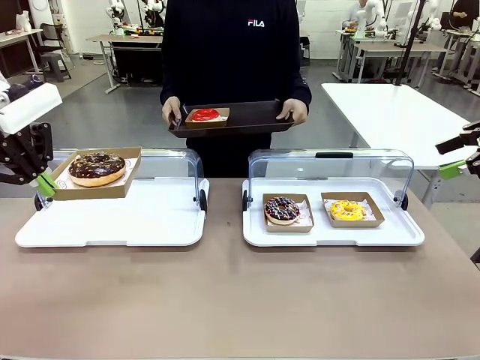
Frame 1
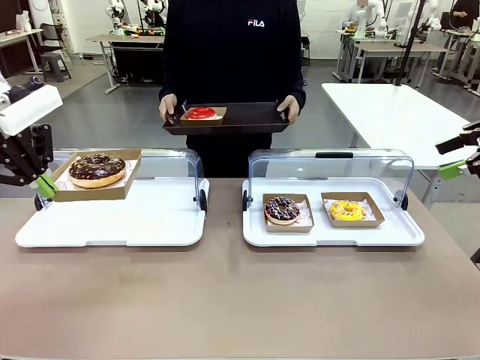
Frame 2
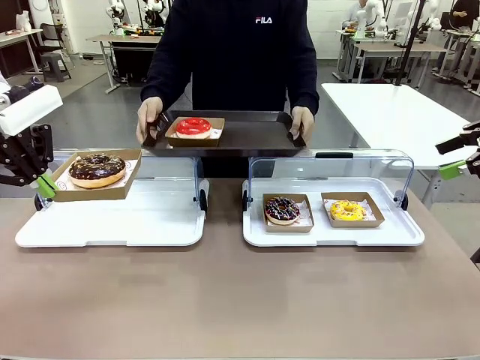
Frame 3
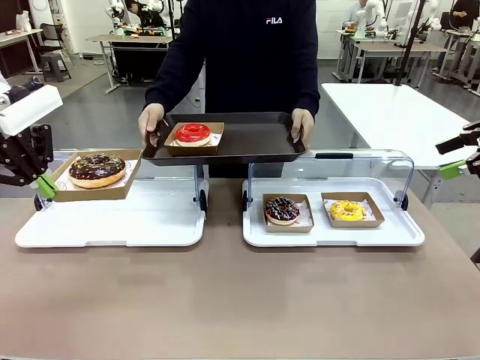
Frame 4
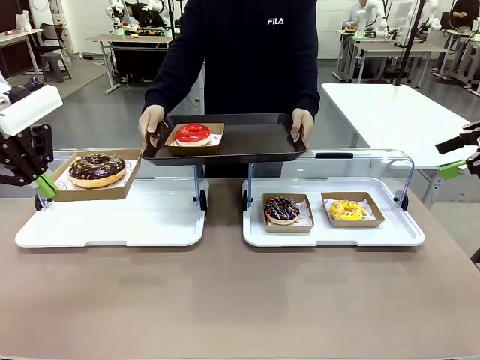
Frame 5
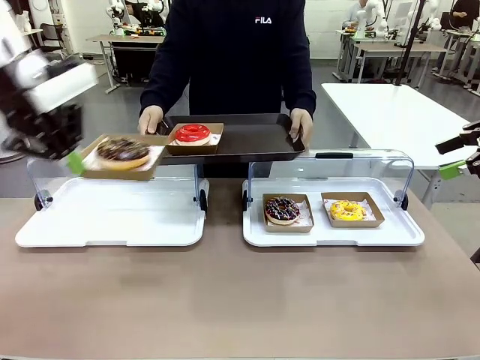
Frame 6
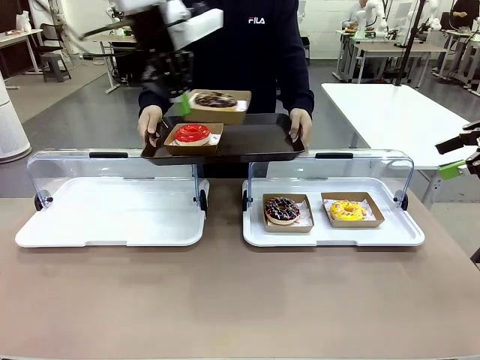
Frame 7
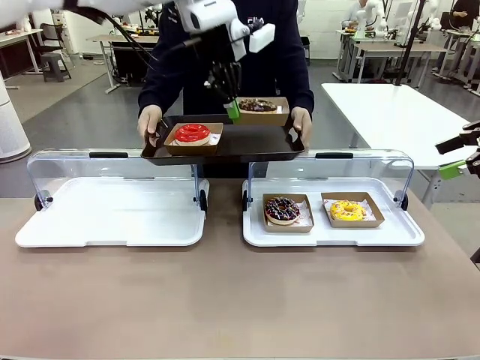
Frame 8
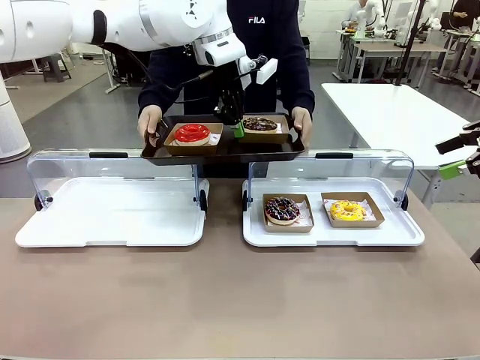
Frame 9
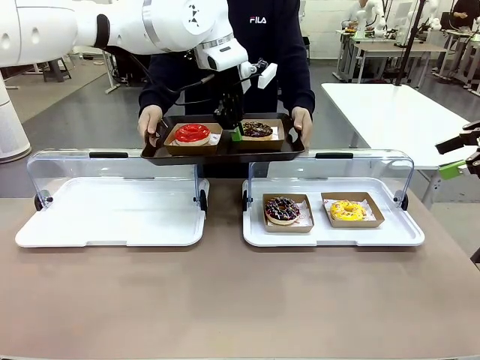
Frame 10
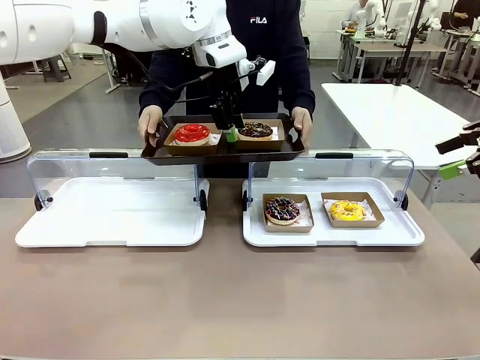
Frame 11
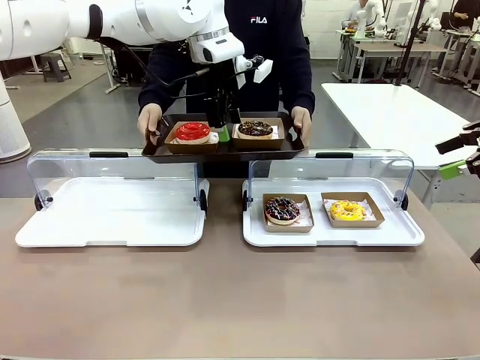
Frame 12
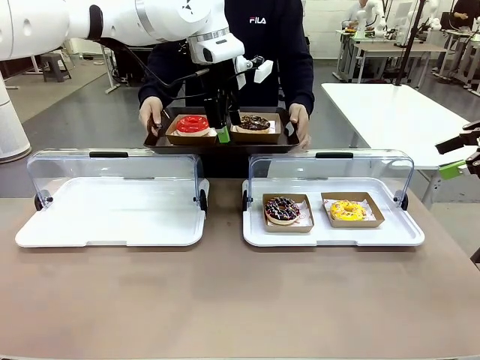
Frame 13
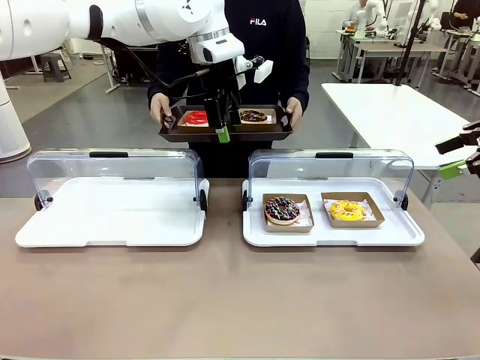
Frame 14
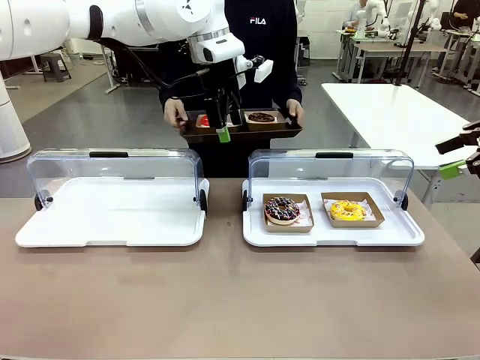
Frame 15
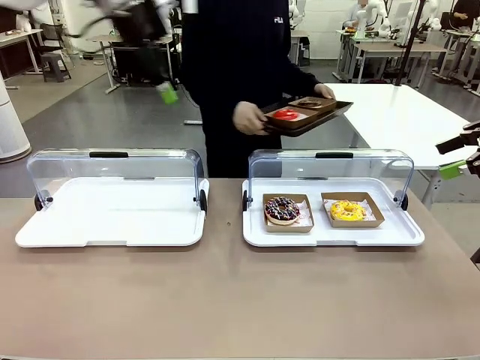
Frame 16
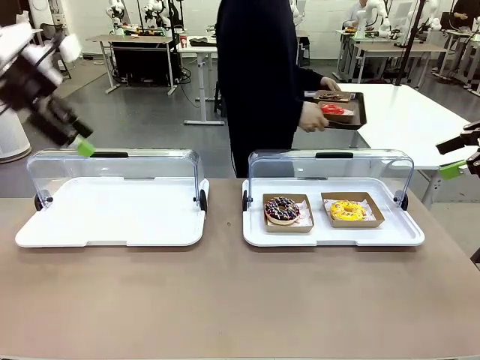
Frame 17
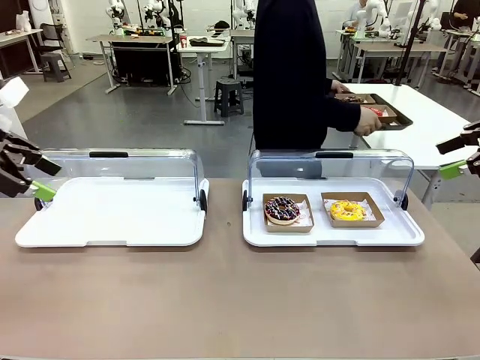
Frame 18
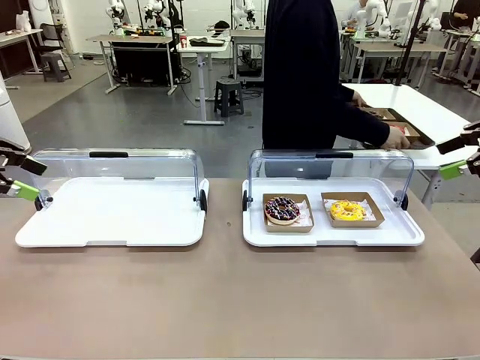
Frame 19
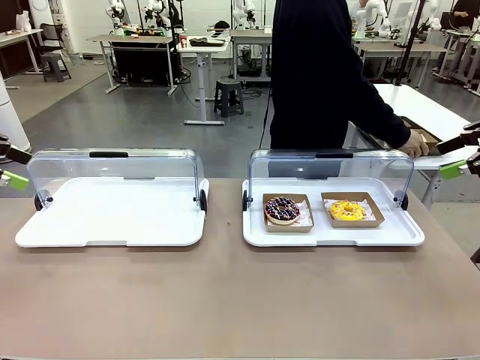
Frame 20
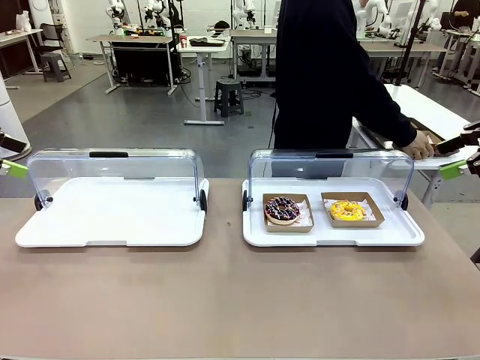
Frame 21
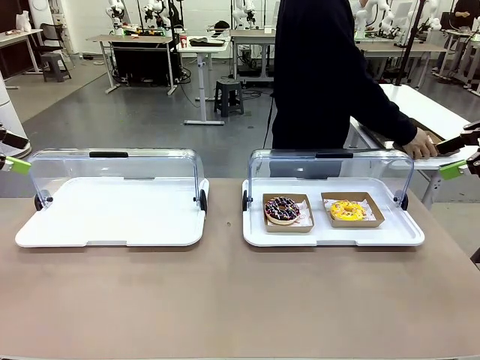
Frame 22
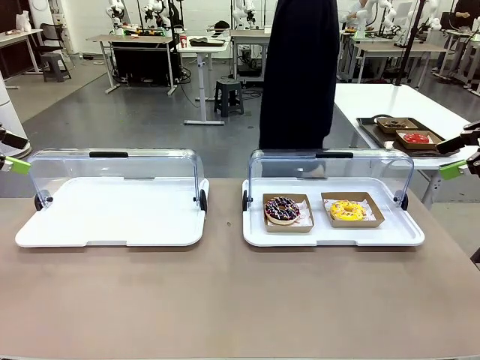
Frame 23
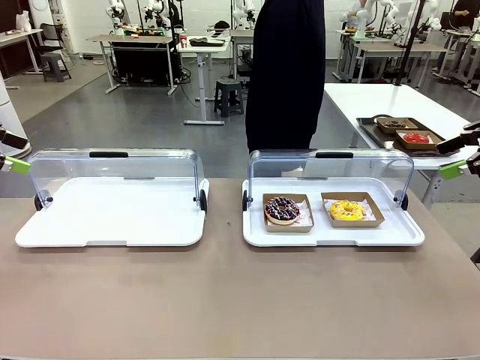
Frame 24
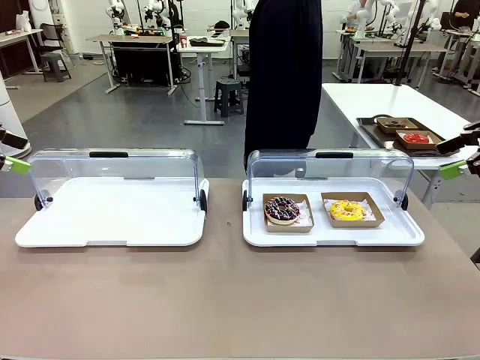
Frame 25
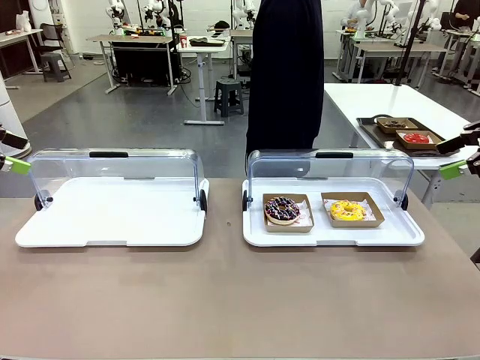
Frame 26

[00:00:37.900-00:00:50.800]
Task: Provide the desired donut to the person.
Robot: Place the picked Paper togo box onto the Handle tray extended by the person.
Person: Place the tray in the middle of the human table.

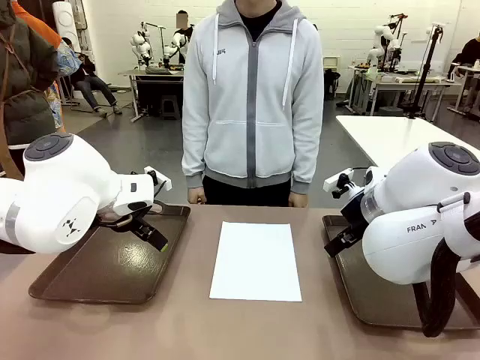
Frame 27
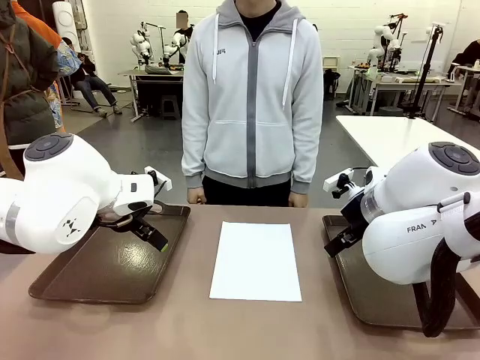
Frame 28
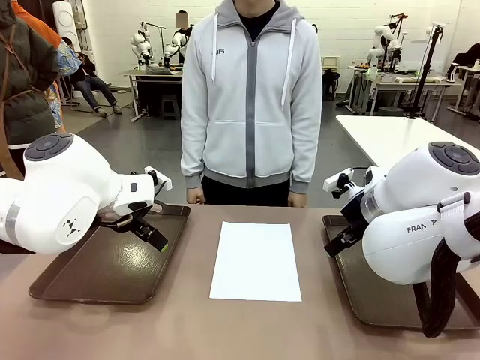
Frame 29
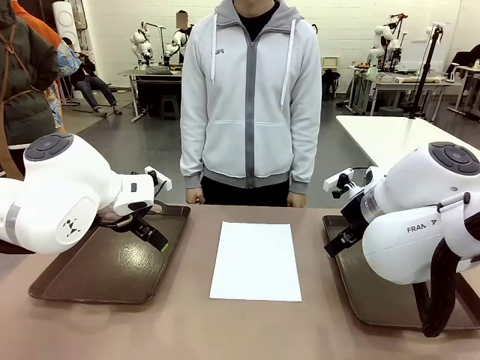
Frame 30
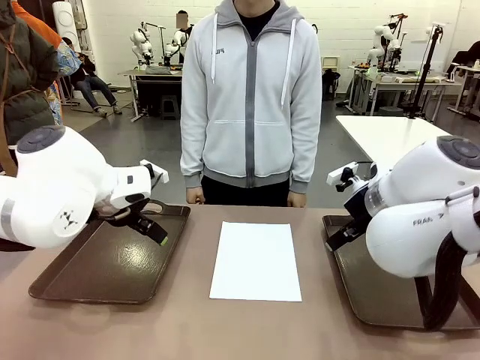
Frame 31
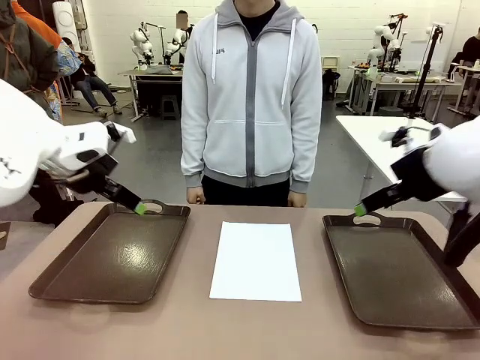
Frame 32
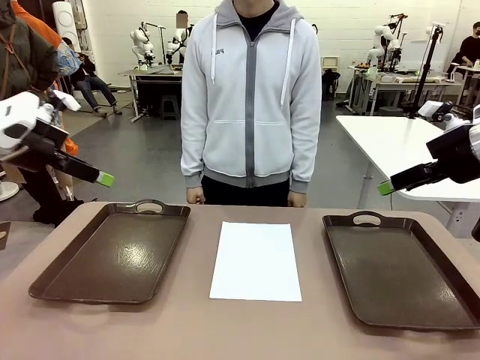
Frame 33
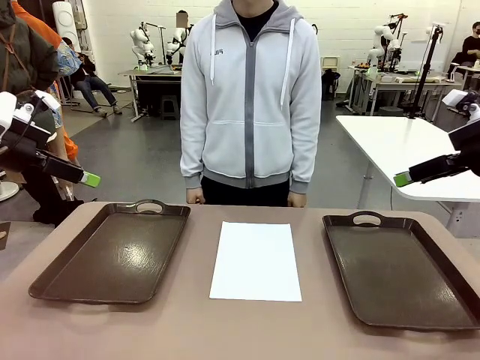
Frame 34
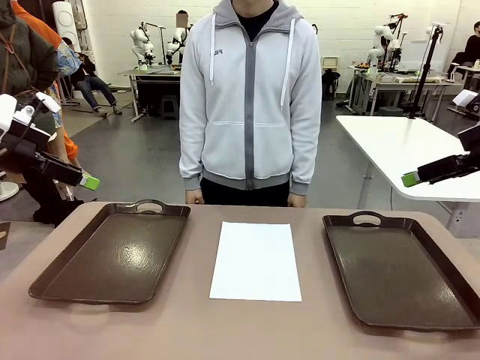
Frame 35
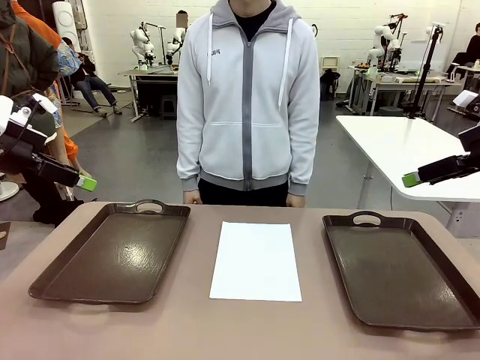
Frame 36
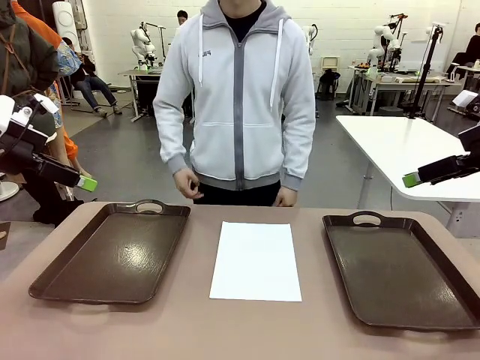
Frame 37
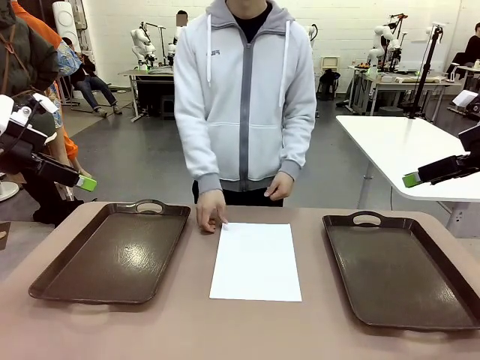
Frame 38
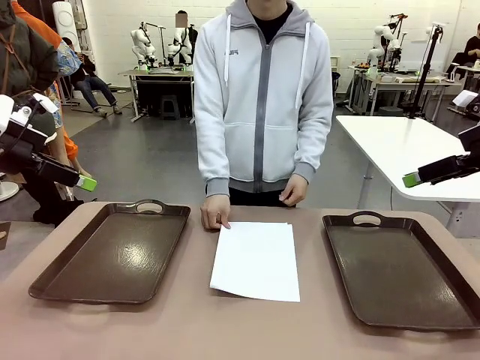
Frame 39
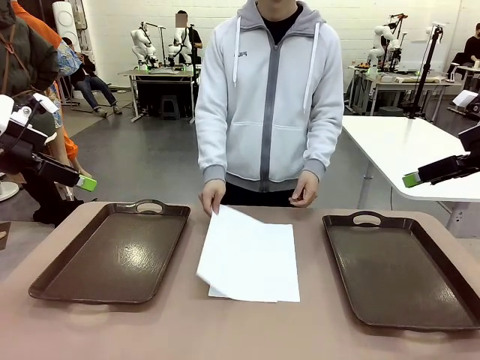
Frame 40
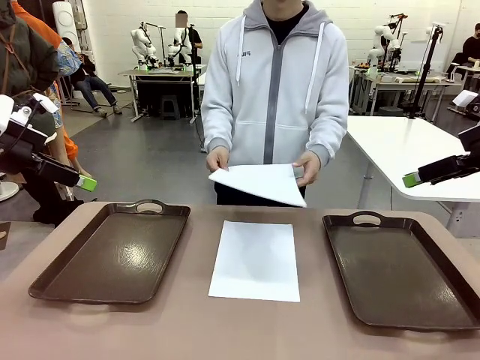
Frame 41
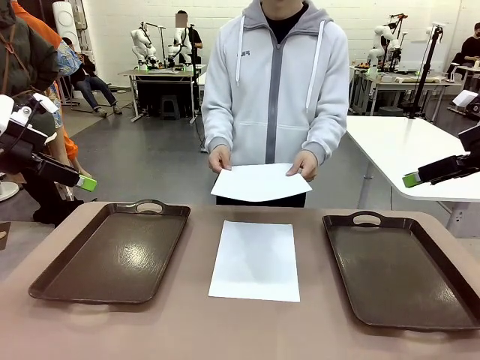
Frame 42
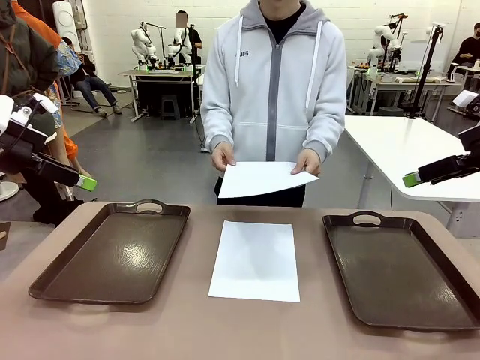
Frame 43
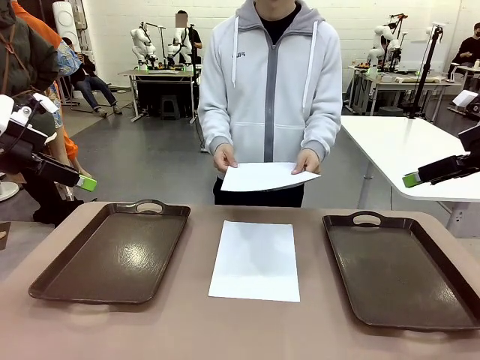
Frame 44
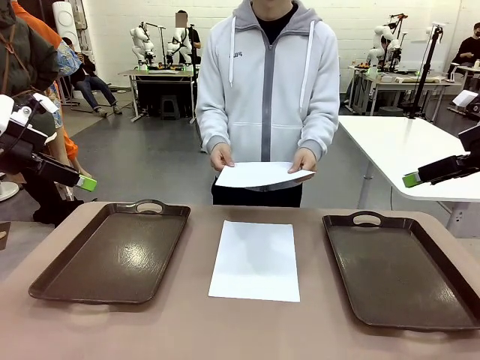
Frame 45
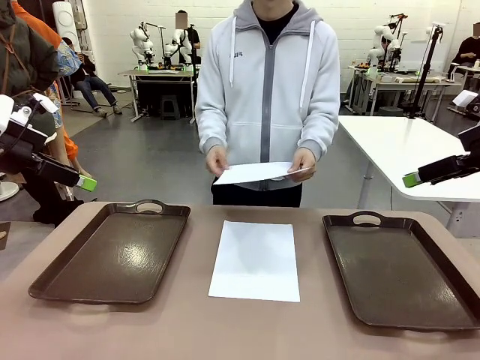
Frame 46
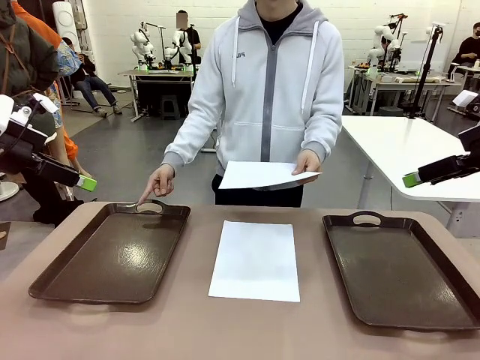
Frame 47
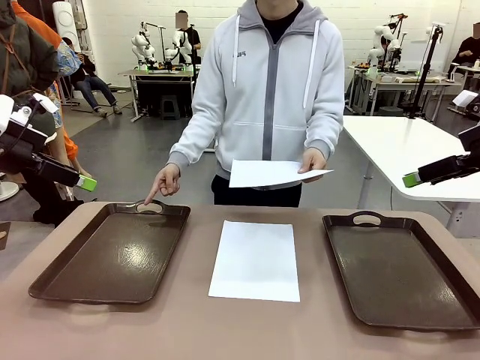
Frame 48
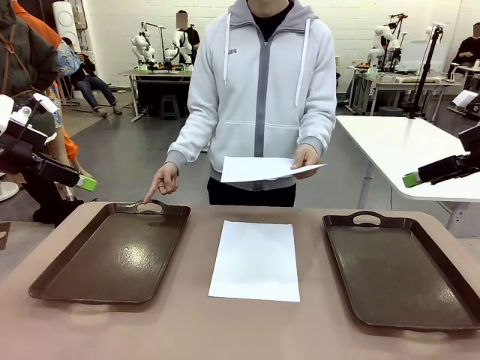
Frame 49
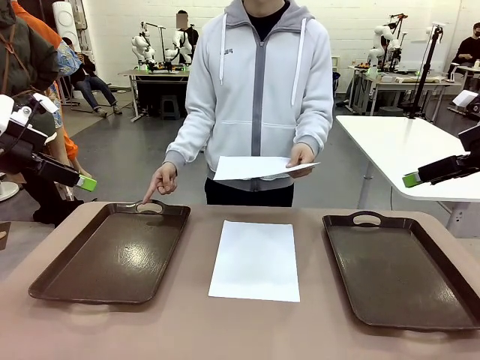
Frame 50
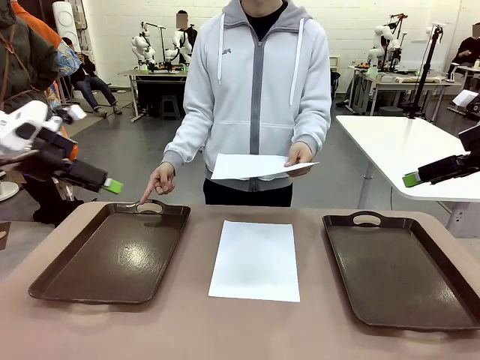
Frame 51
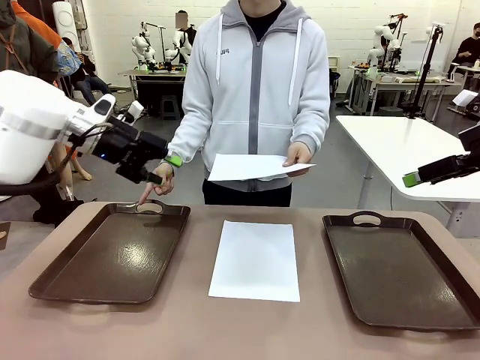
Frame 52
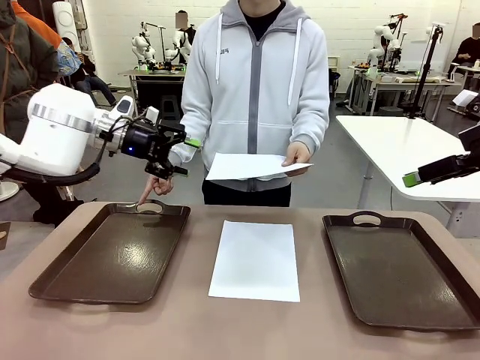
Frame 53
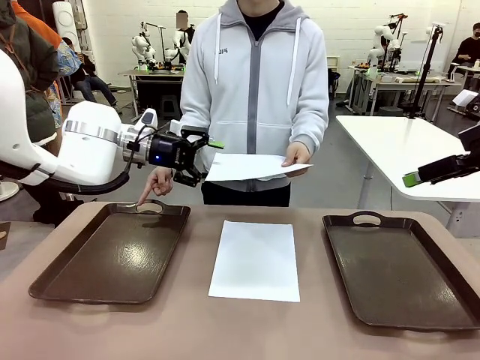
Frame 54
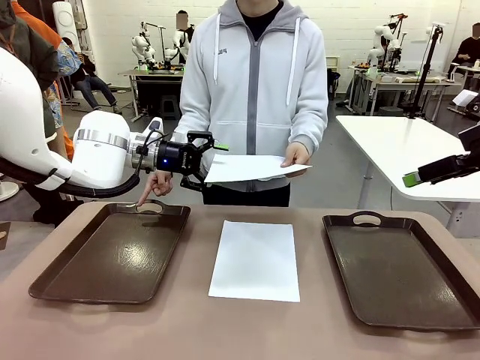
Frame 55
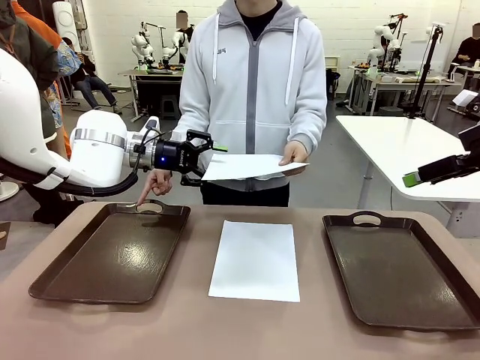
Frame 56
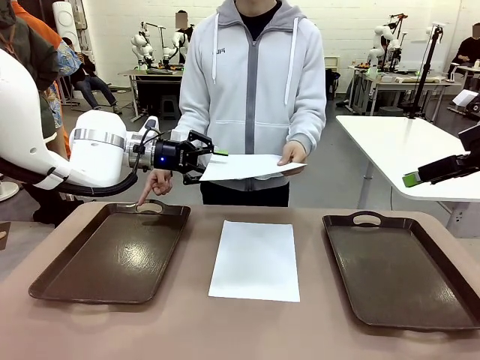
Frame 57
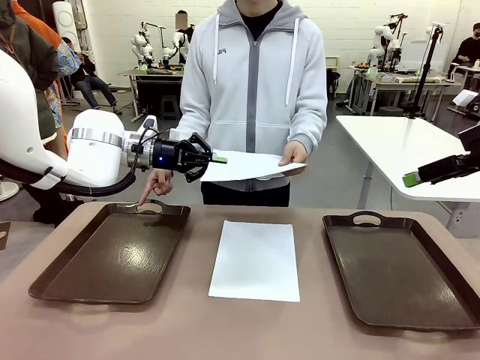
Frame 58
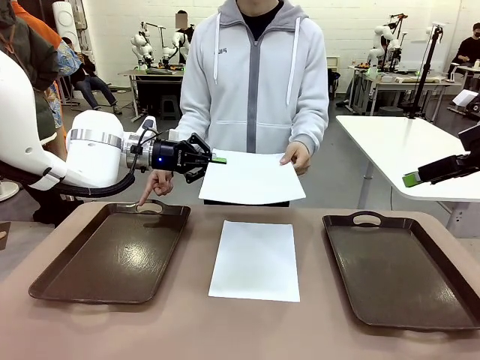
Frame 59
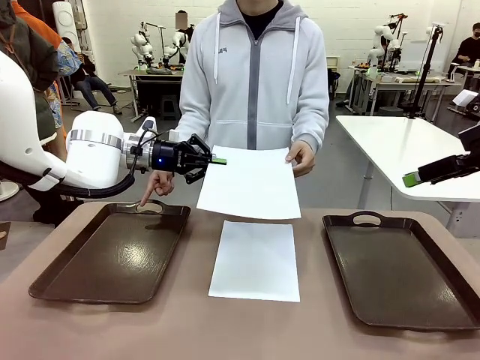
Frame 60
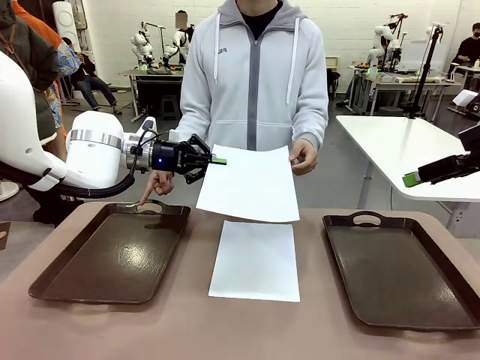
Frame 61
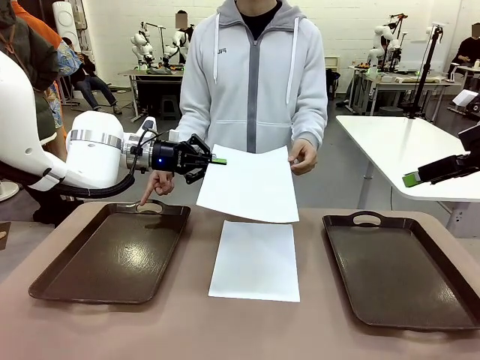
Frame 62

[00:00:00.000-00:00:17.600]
Task: Sort the A4 documents.
Robot: Receive the A4 Paper.
Person: Pick up a sheet of paper from the center of the table and hand it to the robot. Point the randomly selected tray with the other hand.
